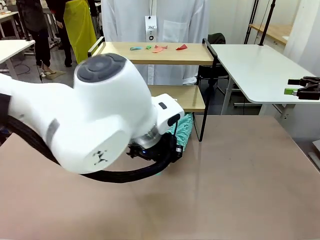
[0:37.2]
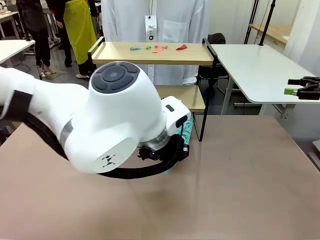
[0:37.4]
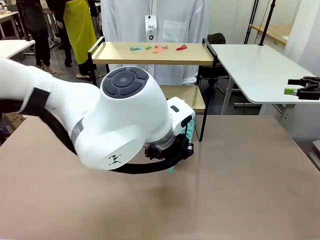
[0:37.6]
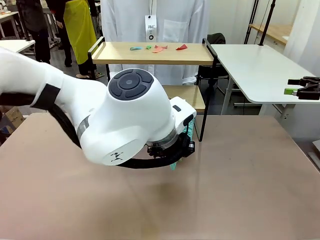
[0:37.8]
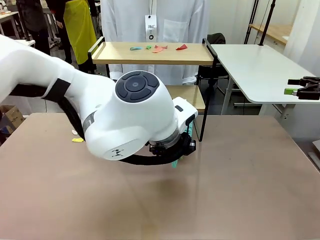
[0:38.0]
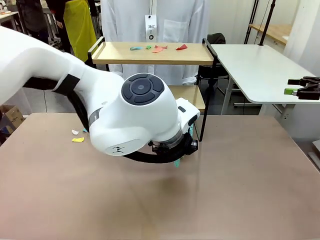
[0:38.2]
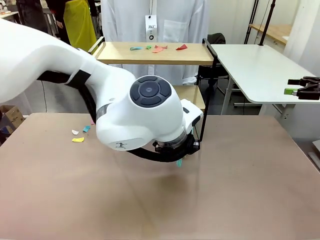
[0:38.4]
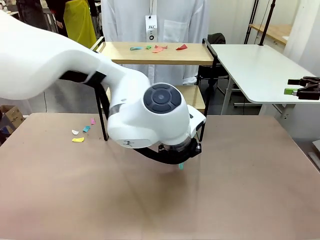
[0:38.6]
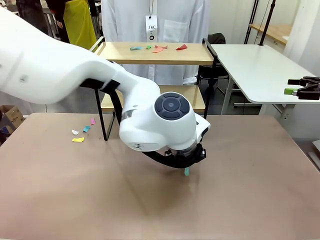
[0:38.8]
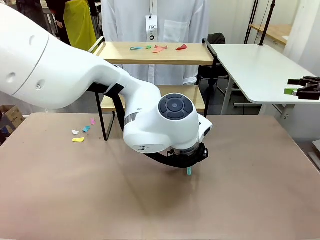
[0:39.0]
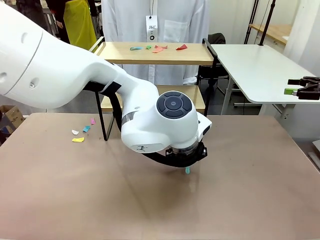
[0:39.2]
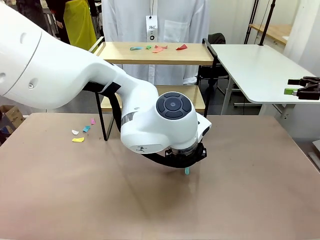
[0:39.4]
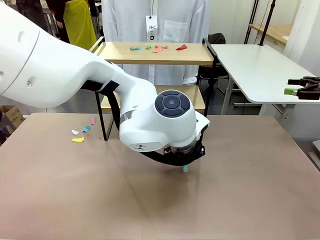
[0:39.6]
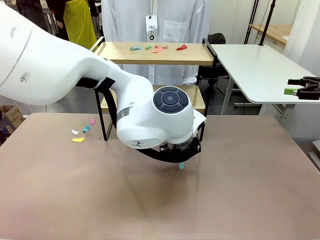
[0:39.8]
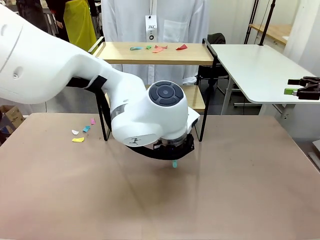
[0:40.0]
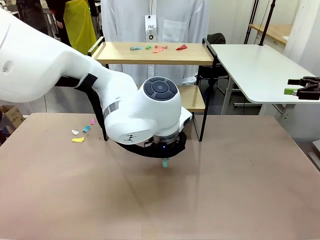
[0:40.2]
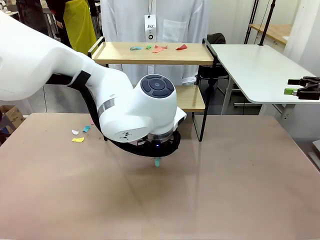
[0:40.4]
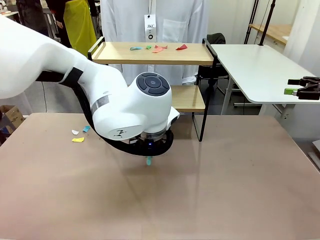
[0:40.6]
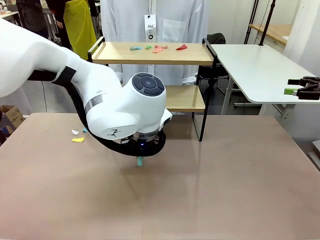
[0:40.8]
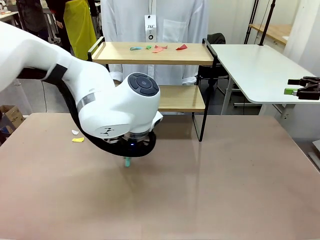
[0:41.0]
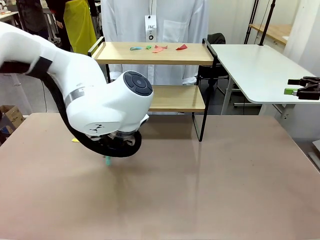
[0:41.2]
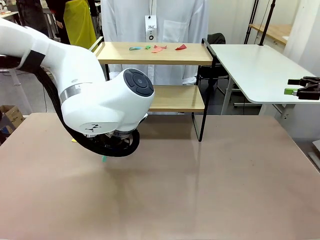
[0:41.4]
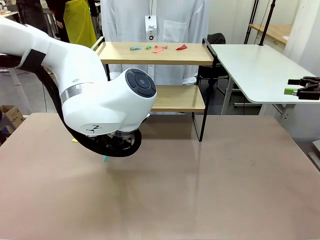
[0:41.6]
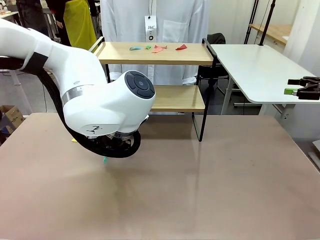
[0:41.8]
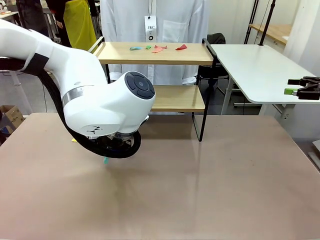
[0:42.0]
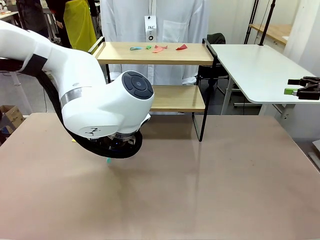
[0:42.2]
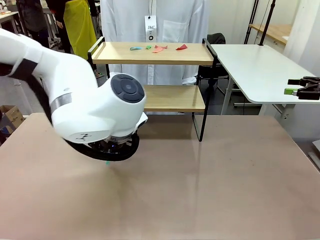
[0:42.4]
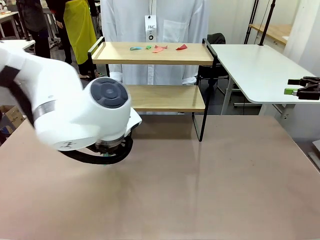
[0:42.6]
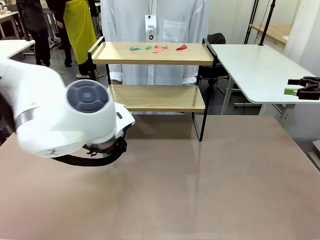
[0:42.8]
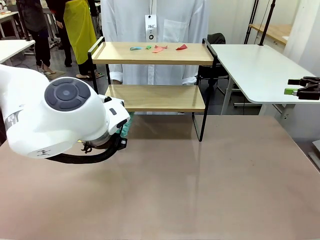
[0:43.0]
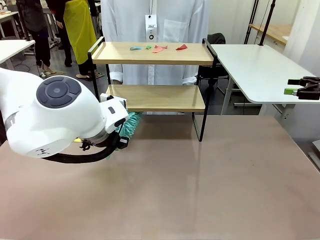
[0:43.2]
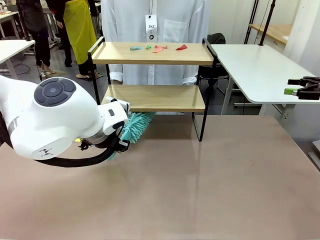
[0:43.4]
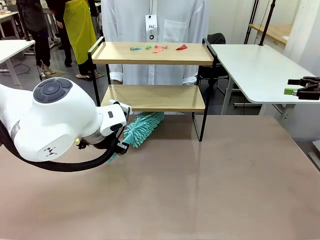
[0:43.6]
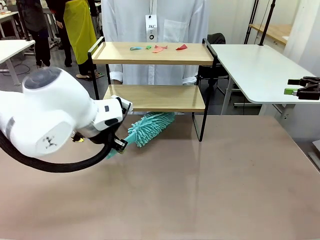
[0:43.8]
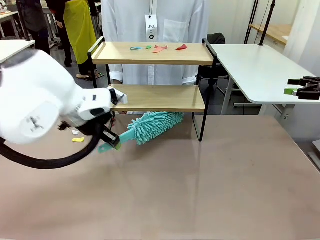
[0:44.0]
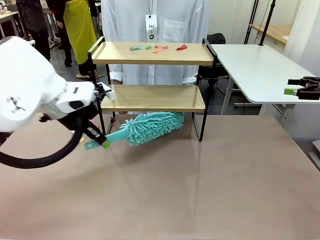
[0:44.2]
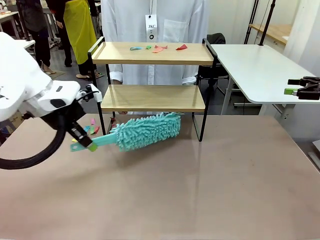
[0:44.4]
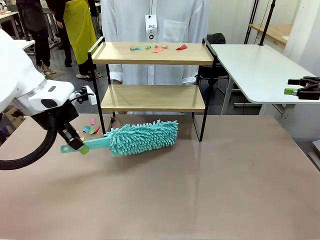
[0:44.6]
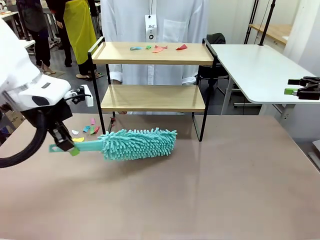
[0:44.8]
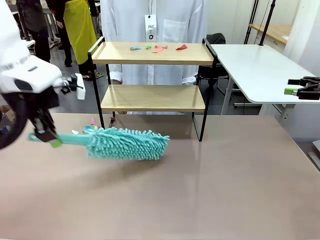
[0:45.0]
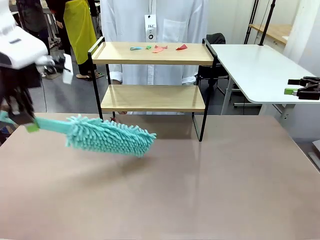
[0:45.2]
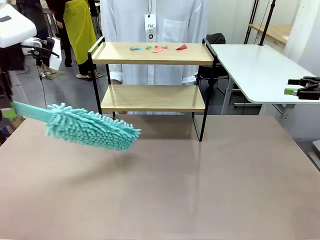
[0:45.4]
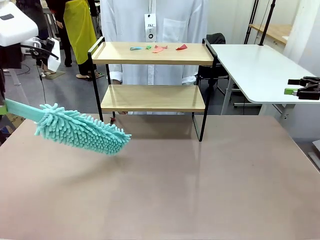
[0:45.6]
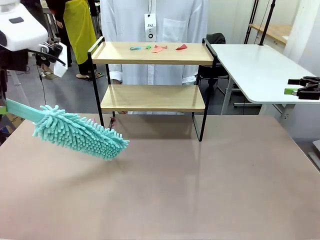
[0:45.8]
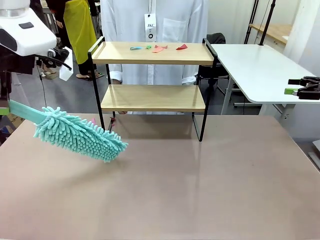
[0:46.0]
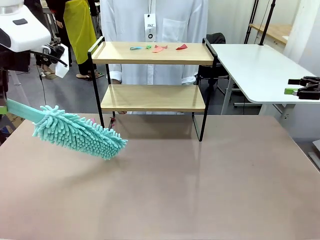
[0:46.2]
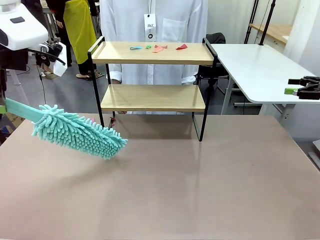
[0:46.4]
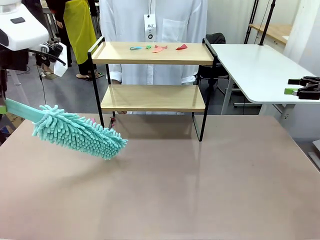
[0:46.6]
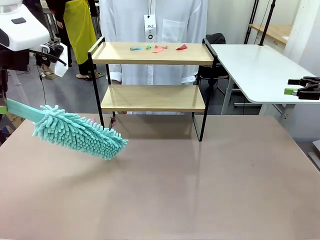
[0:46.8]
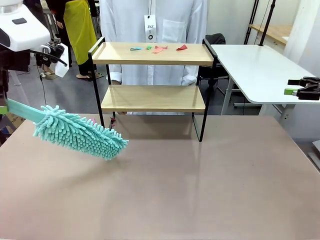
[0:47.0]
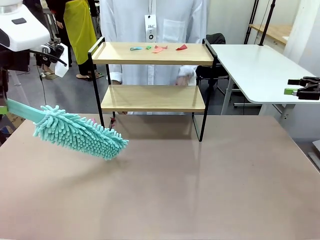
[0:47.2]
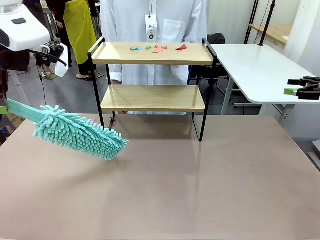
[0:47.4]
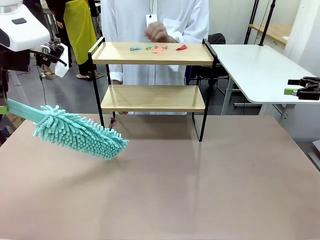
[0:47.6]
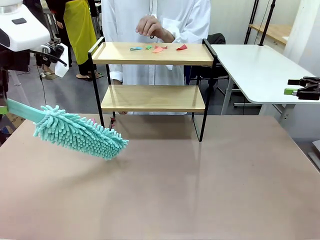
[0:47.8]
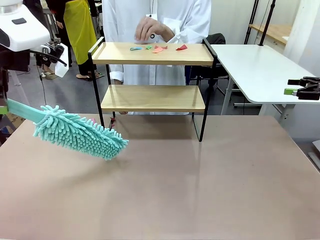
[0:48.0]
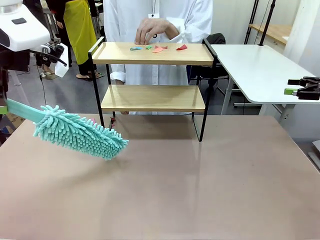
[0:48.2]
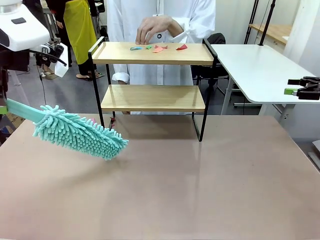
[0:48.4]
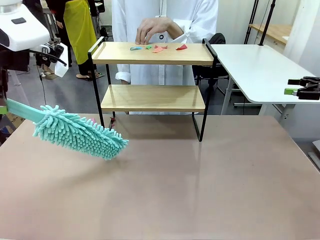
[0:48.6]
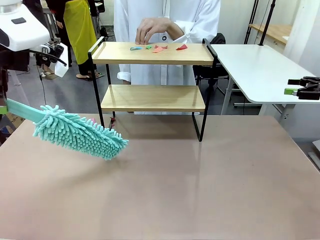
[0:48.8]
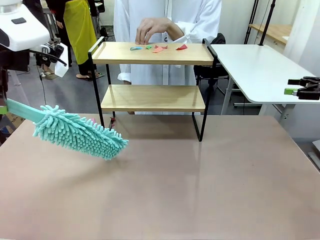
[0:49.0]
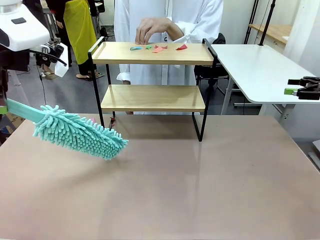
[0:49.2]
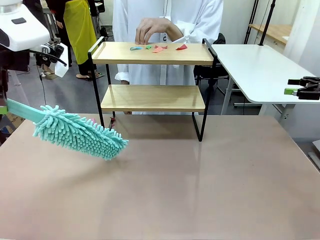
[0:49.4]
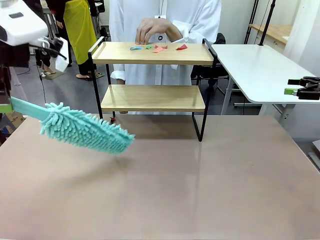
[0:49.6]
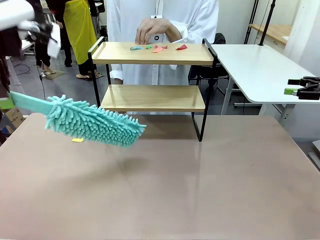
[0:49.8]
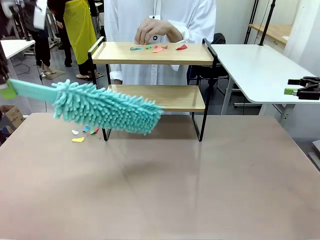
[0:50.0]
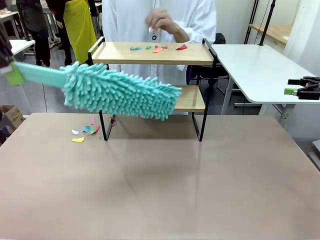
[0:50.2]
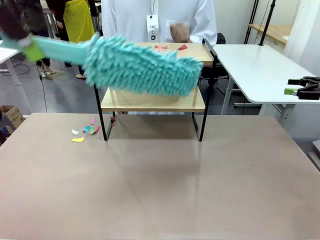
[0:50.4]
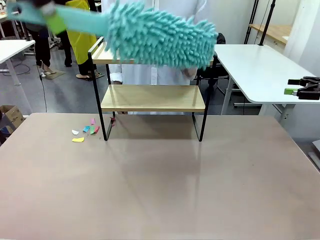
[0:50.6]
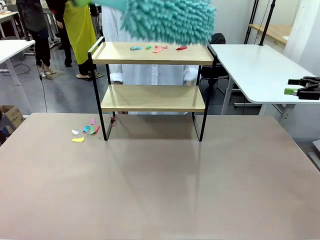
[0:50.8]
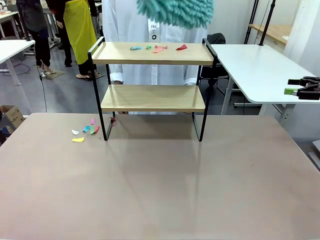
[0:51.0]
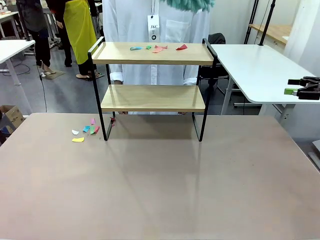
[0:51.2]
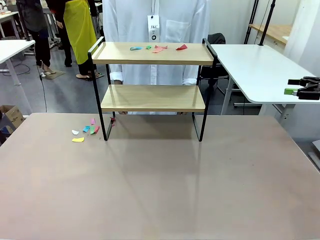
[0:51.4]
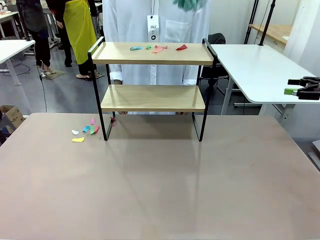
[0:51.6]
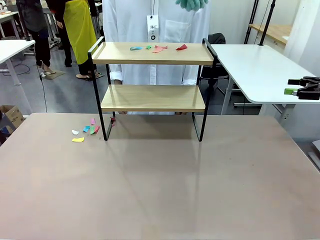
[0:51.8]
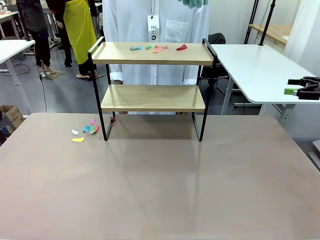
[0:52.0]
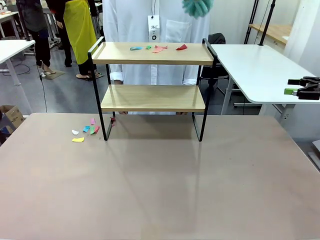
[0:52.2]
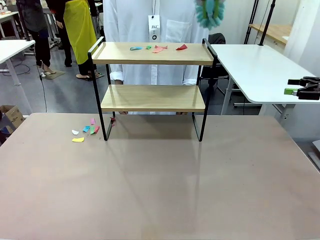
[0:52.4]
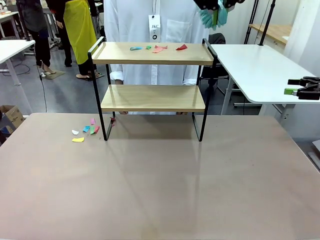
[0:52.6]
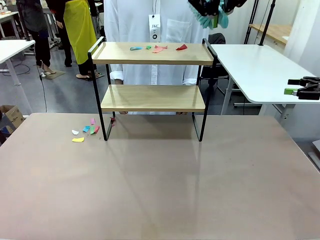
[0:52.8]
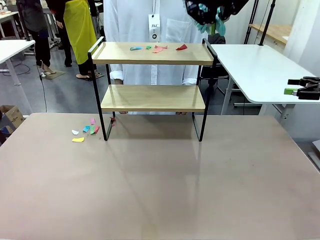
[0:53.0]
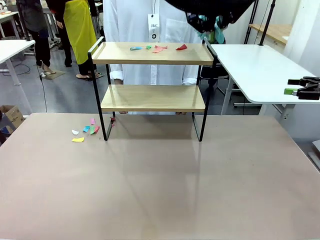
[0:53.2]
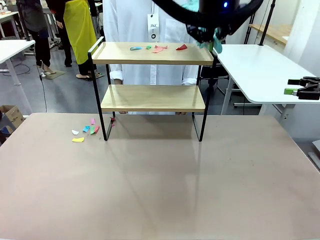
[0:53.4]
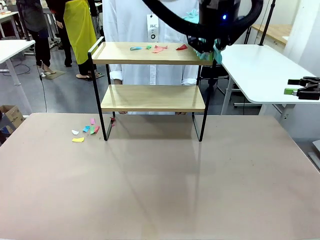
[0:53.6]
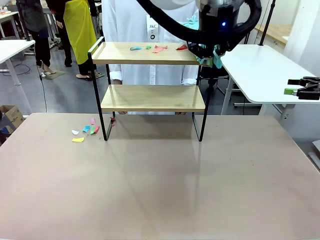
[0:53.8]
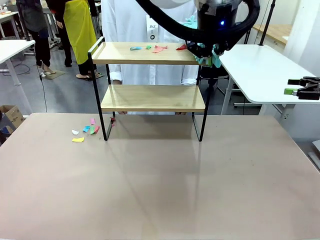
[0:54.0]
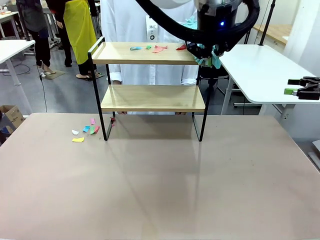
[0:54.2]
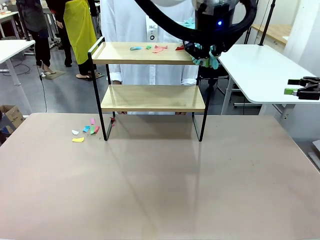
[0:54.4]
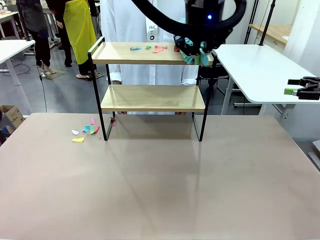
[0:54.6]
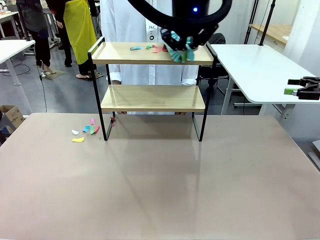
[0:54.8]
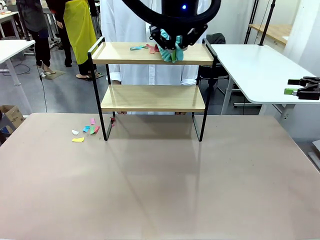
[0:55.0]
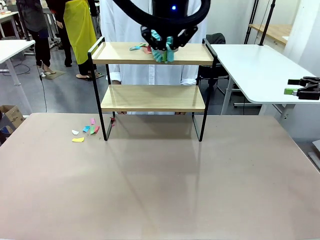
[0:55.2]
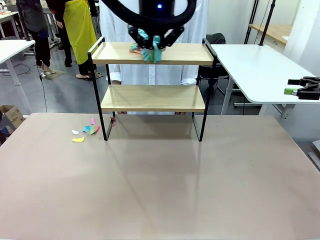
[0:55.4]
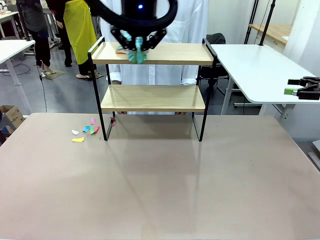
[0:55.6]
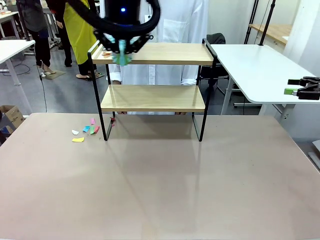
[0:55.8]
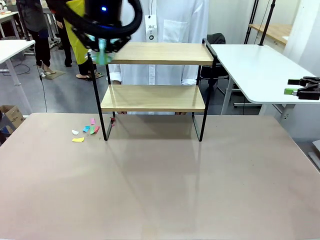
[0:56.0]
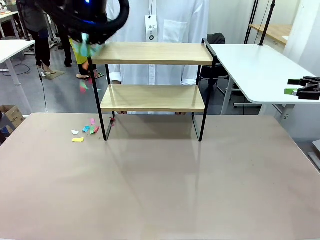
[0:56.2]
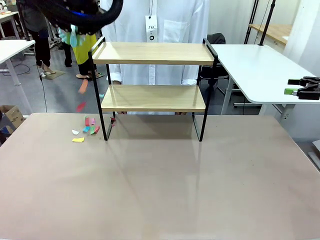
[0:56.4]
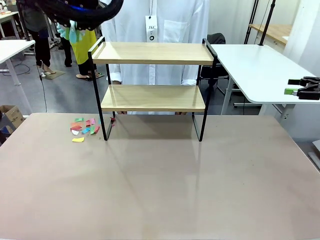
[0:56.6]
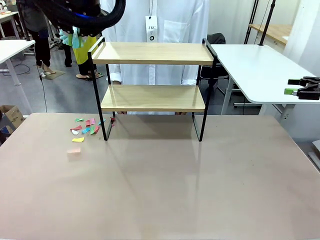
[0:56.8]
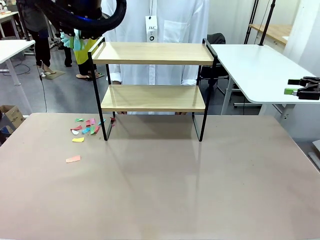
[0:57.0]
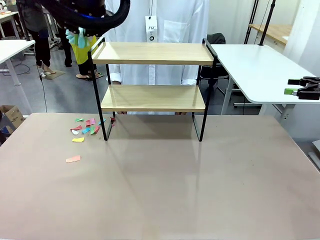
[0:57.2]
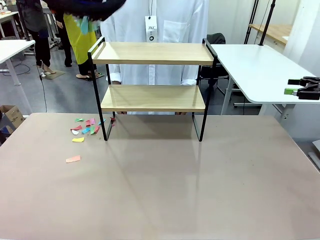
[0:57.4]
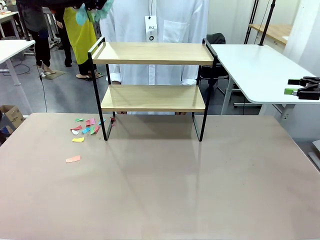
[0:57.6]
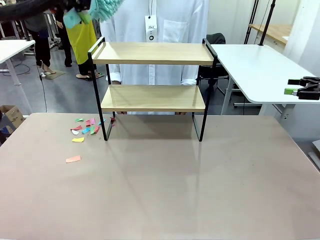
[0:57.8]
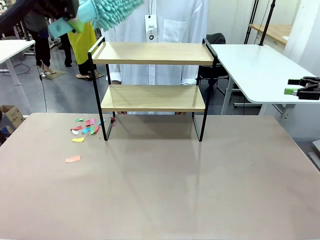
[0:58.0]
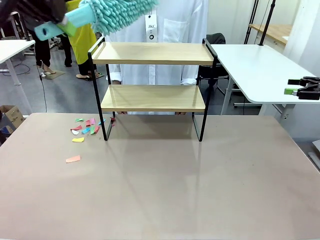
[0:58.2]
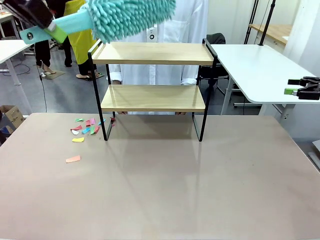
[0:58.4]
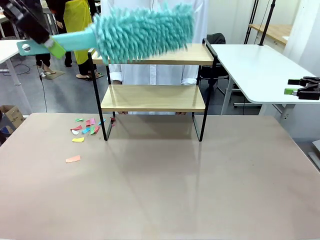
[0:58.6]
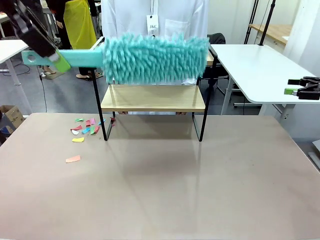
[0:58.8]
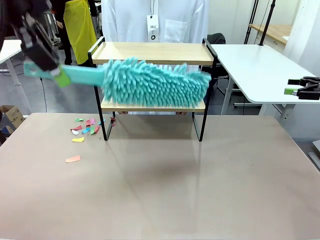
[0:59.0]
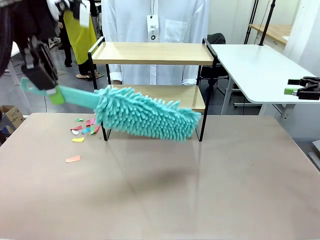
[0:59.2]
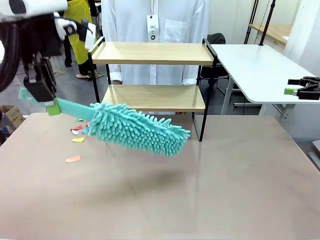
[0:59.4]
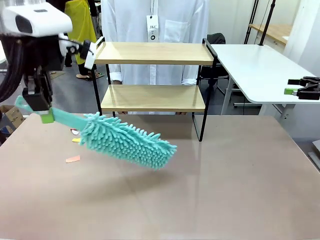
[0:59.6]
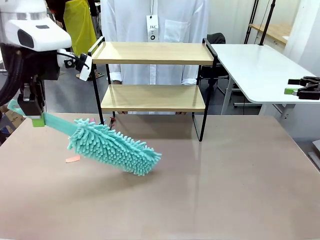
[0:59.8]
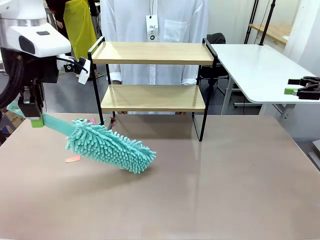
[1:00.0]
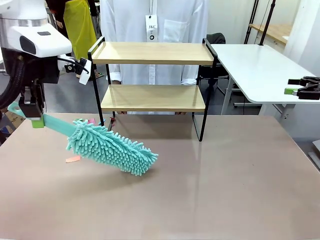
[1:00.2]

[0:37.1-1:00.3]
Task: Clean the shelf.
Robot: Clean the specific section of the Shelf indicated by the human with the Duster.
Person: Point a remaining section of the Shelf.
